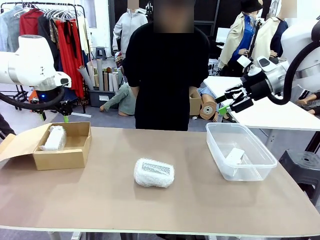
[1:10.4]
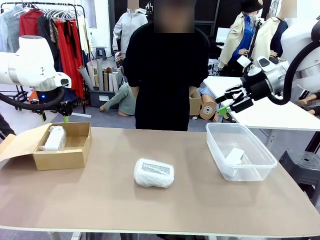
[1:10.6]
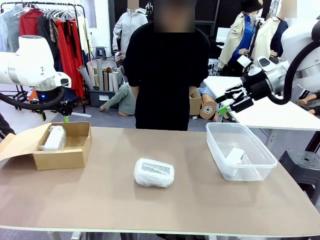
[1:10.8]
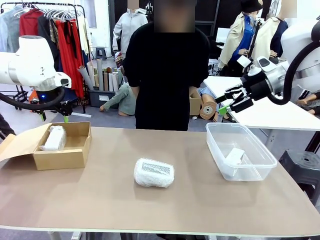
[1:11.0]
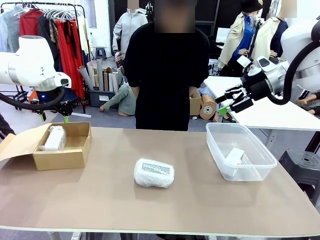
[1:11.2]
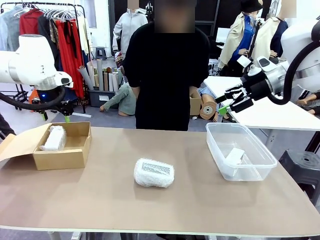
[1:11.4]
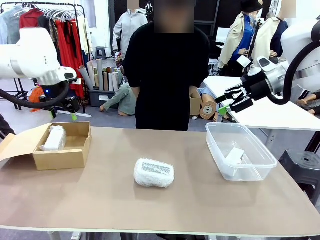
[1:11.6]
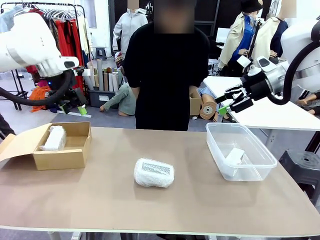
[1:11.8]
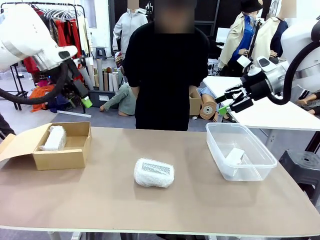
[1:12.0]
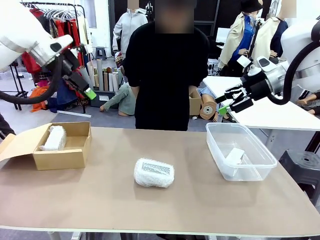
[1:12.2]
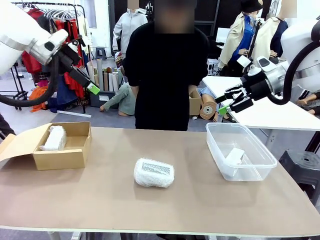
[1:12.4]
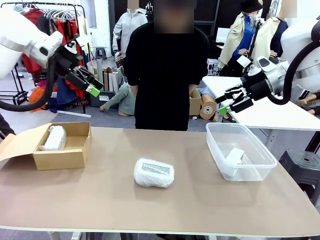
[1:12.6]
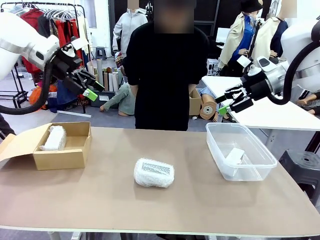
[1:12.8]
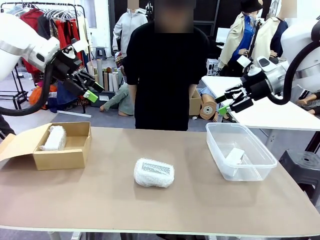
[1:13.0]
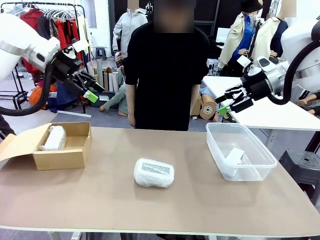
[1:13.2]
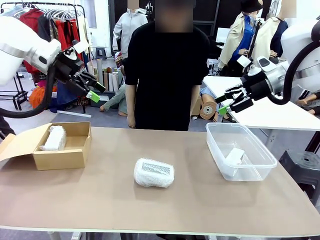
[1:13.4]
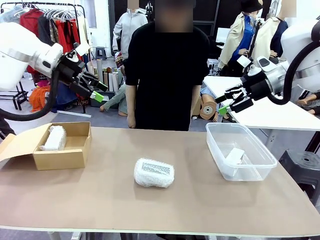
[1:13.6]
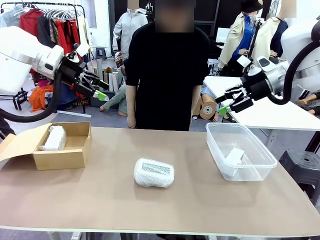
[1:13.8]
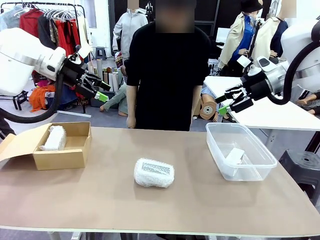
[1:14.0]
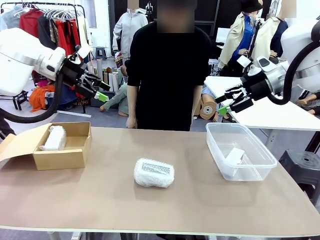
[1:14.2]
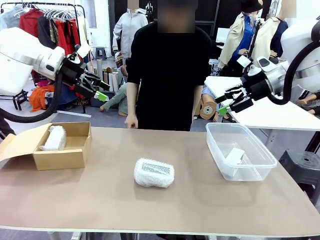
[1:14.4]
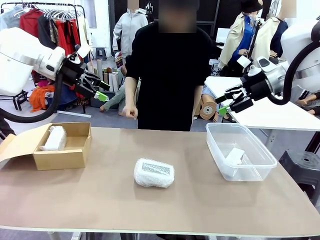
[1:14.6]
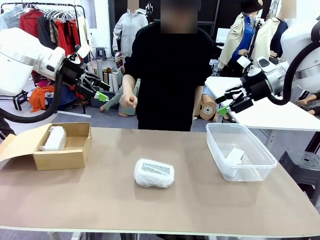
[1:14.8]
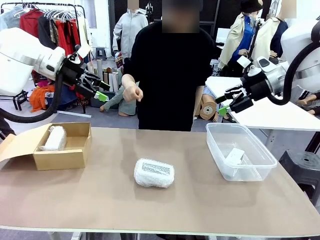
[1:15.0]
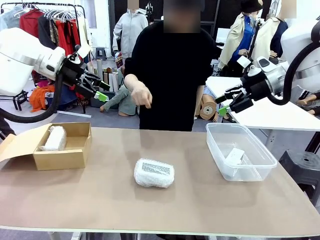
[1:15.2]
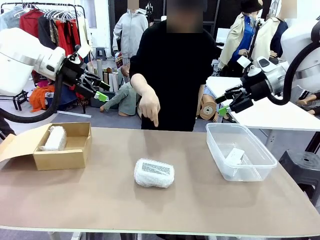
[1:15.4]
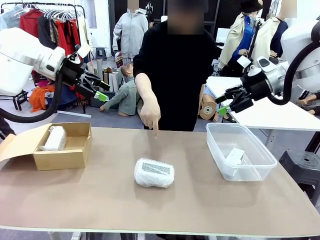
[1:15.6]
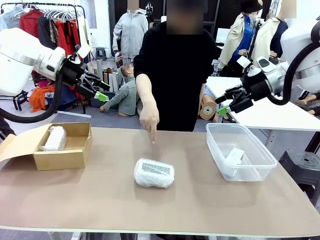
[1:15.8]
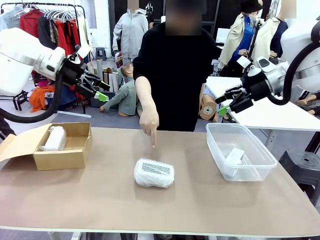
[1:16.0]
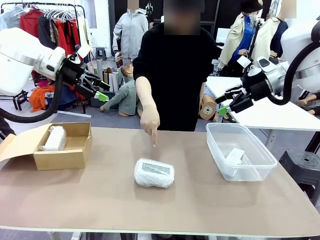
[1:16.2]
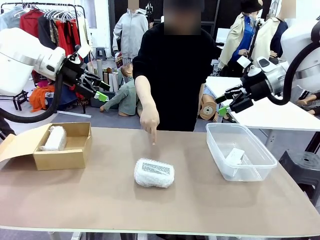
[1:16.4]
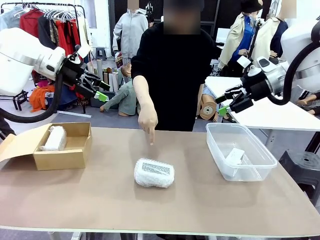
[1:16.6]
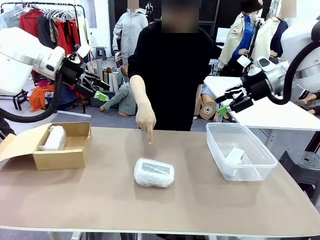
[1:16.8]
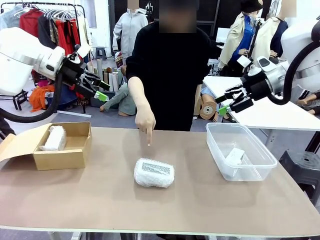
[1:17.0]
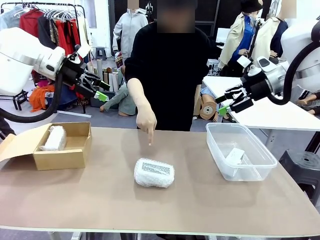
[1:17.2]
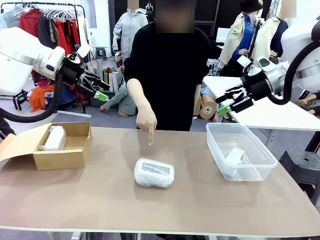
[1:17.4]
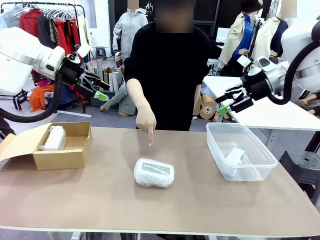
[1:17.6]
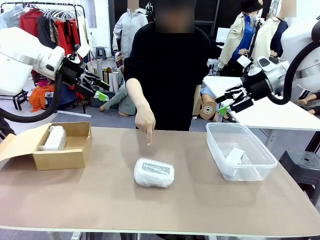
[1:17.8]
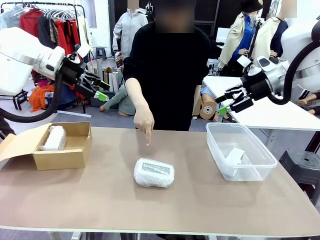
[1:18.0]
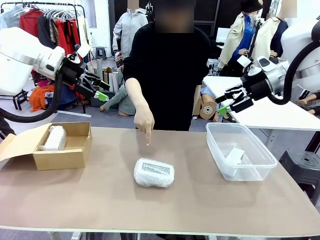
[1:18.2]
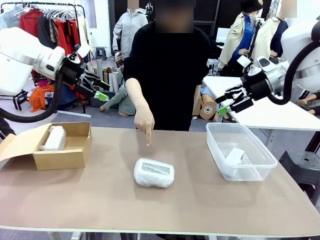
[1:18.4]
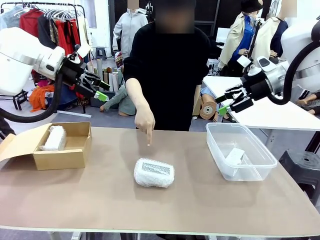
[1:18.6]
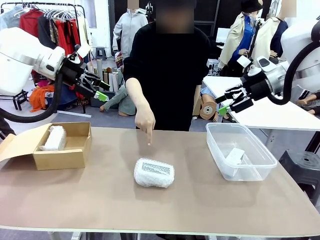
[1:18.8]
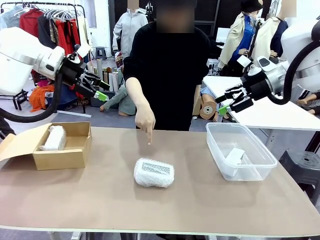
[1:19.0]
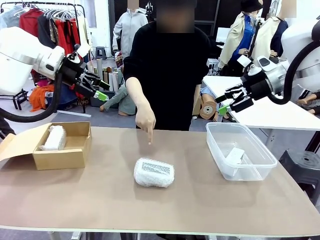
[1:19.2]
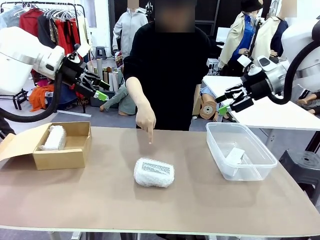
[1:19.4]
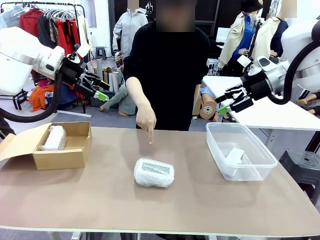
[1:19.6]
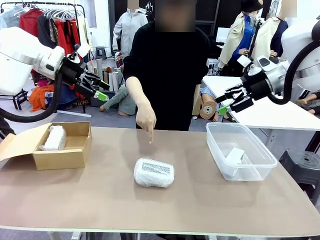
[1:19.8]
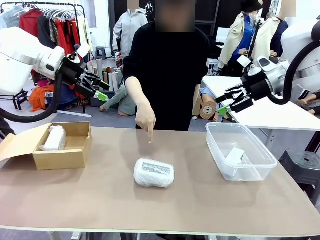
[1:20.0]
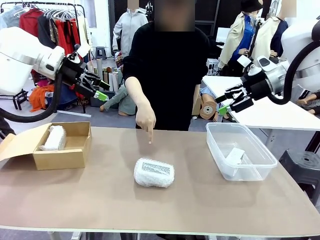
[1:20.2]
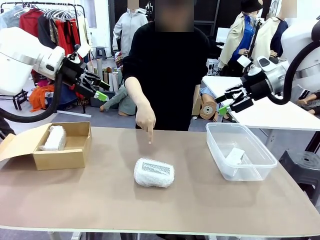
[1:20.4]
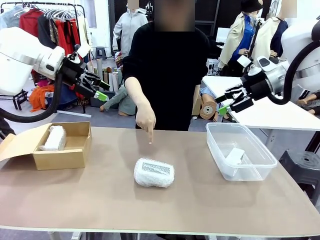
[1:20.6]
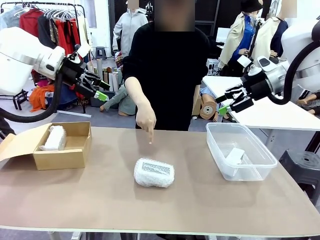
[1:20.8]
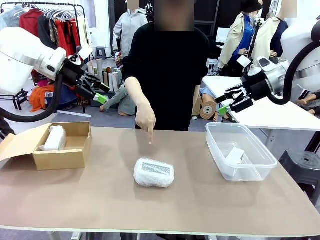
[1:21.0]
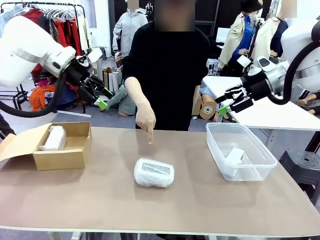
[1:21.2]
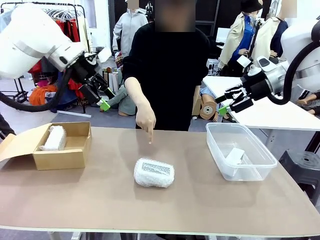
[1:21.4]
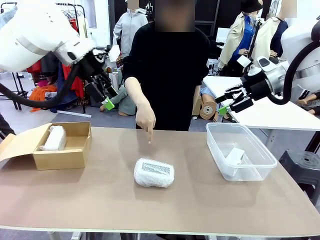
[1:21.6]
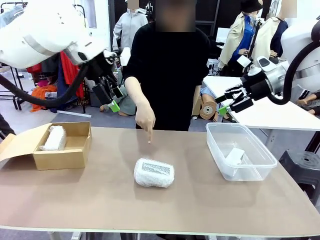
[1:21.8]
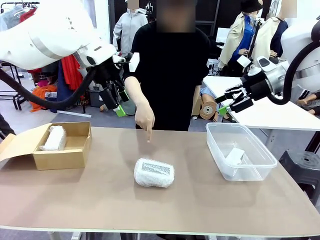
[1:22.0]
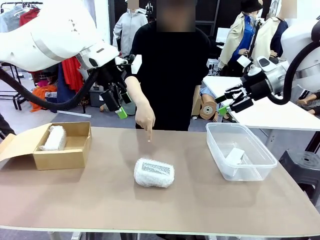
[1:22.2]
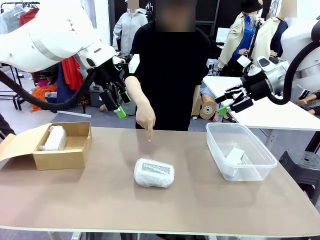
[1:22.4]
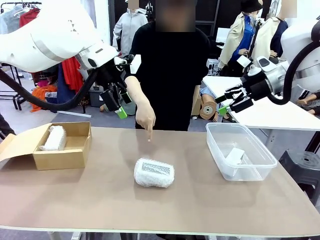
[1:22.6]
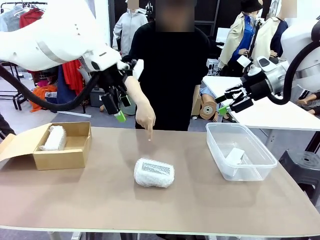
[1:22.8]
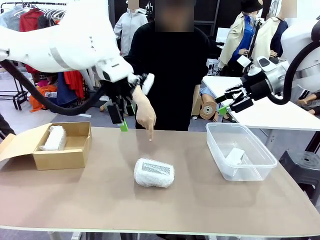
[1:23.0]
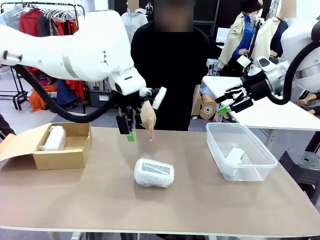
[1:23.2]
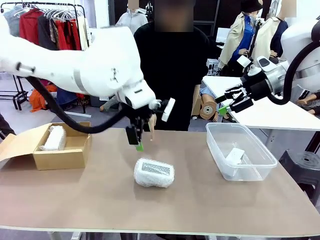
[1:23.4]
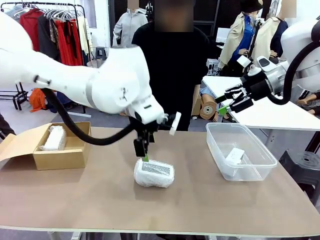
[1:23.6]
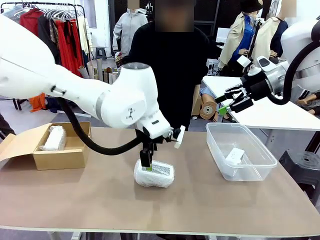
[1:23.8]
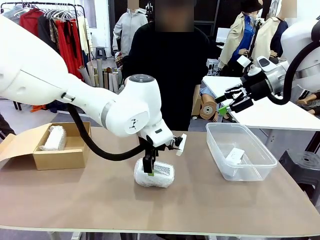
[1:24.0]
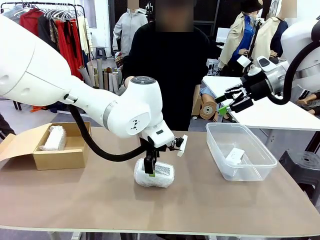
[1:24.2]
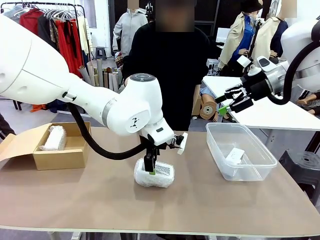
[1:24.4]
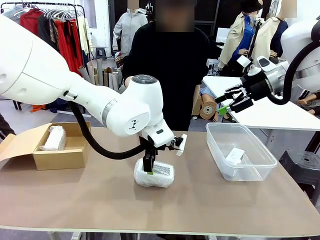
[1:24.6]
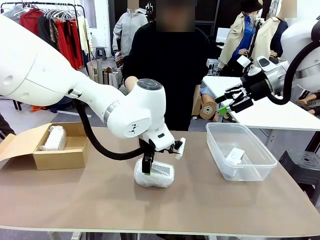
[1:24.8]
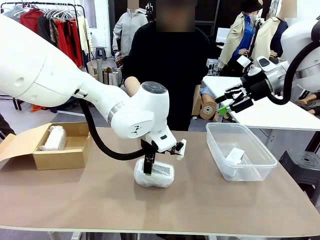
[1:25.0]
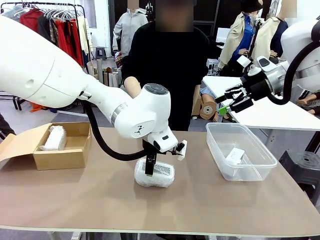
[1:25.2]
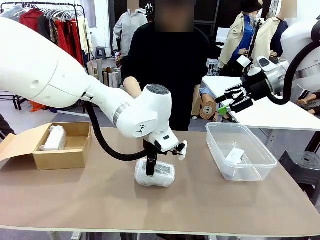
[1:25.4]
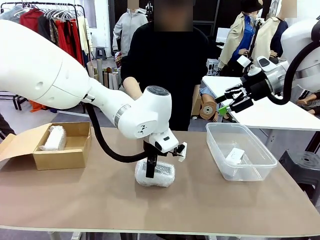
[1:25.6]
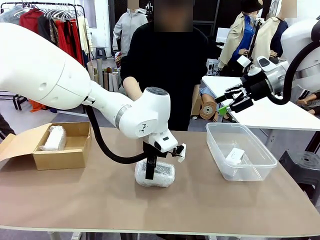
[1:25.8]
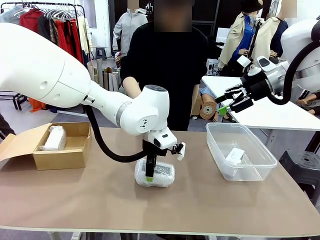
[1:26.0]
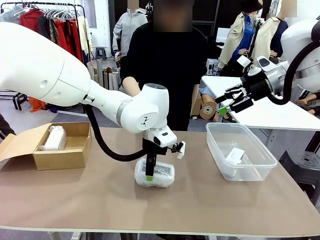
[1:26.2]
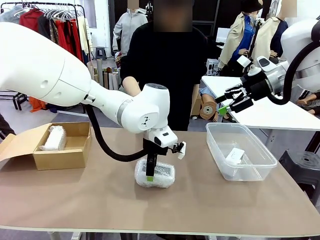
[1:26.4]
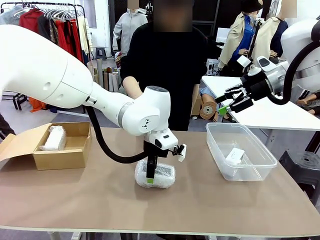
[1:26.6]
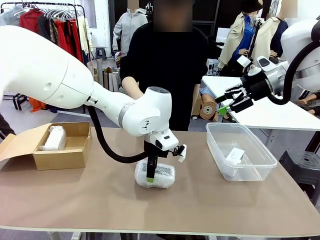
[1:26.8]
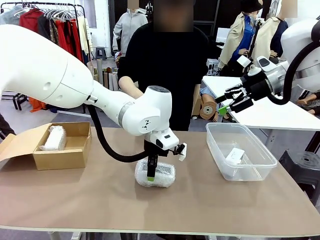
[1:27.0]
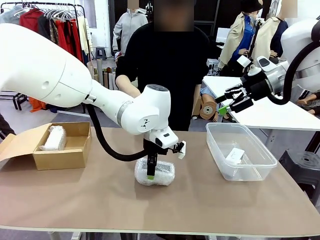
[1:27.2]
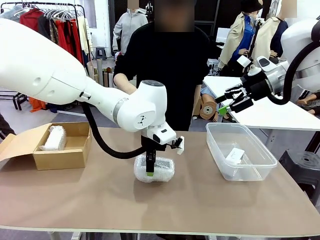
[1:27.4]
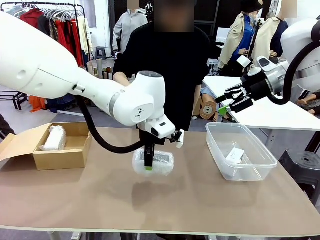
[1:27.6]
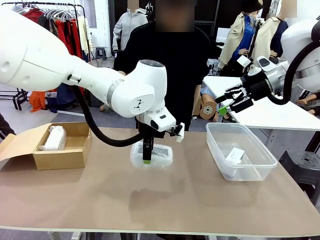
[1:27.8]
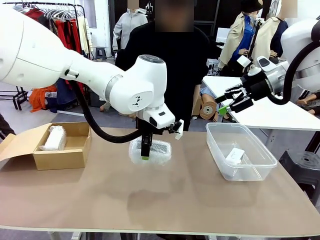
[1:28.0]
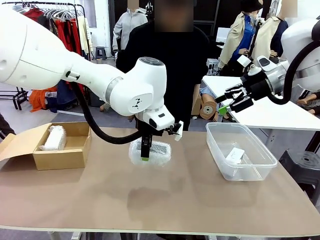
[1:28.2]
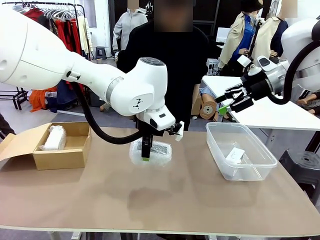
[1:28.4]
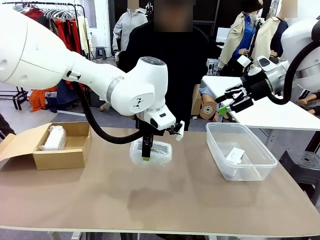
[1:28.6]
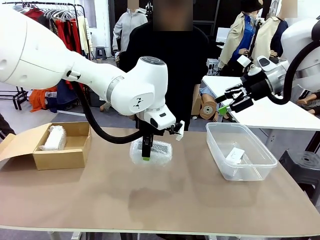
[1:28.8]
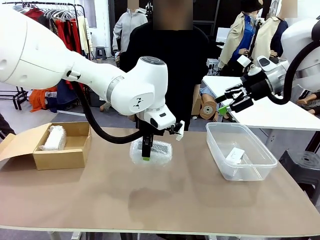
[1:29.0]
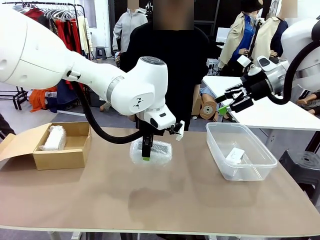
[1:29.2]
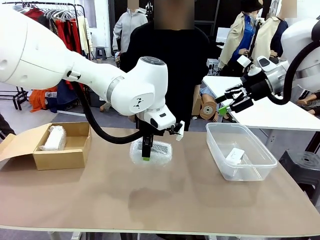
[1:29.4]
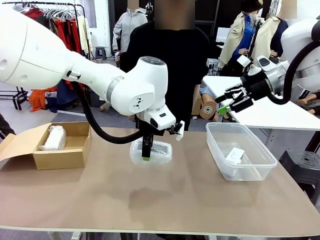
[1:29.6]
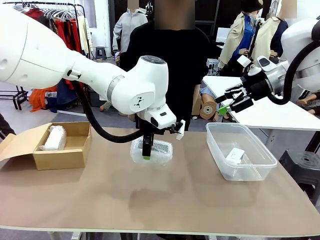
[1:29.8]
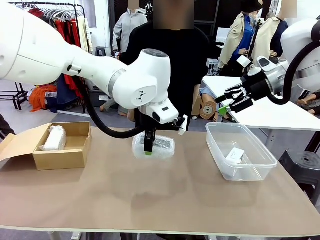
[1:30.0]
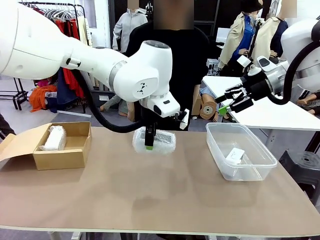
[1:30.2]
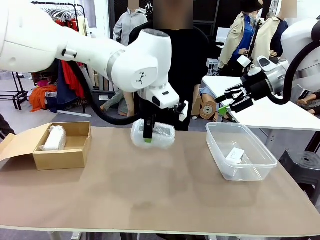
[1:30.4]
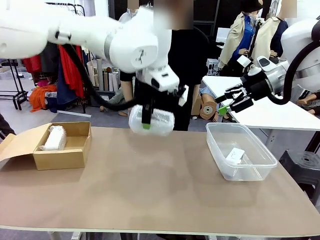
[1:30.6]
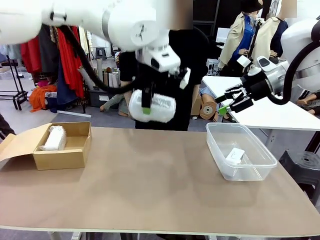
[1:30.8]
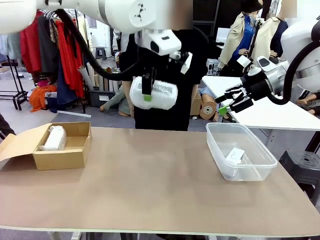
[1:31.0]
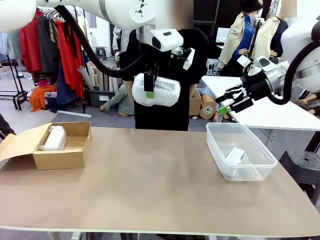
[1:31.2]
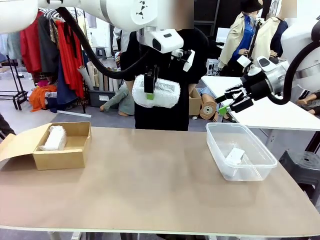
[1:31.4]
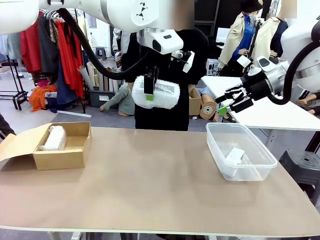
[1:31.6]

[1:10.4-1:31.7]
Task: Separate and place wrapped and unwrapped clocks.
Robot: Pick up the Digital clock indicated by the person.
